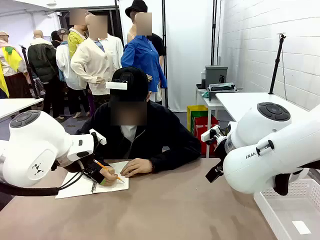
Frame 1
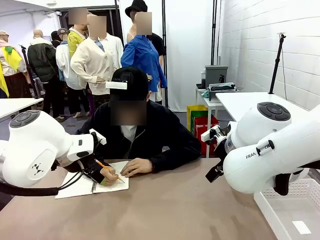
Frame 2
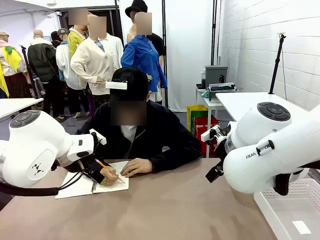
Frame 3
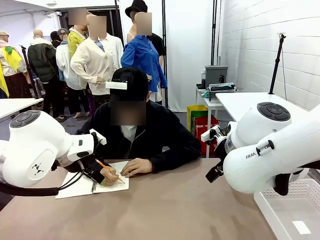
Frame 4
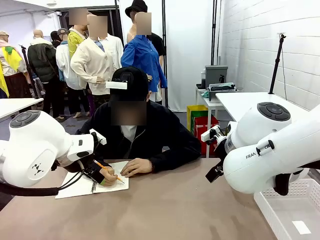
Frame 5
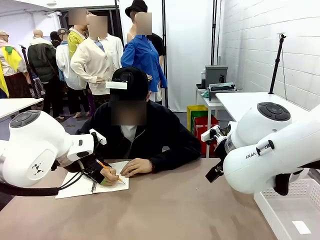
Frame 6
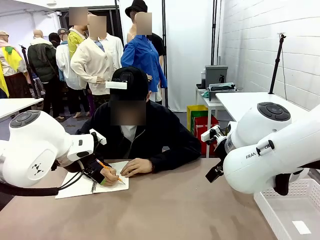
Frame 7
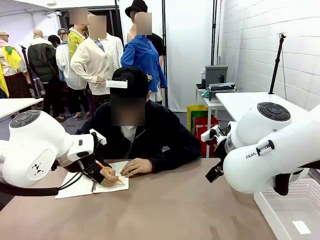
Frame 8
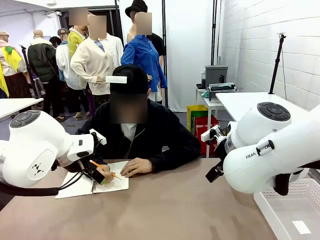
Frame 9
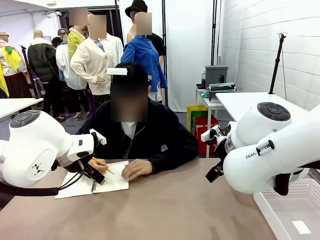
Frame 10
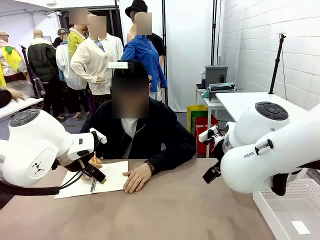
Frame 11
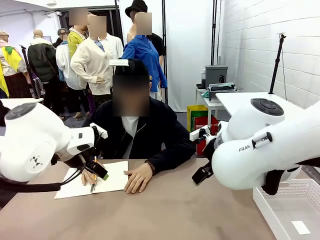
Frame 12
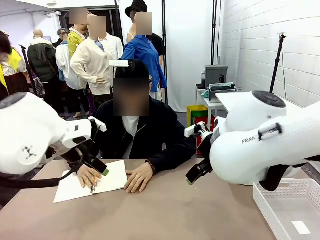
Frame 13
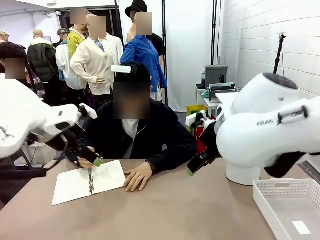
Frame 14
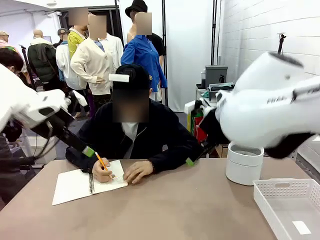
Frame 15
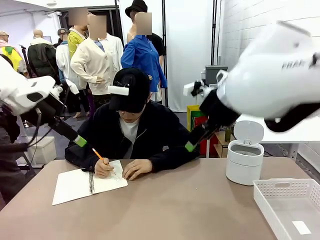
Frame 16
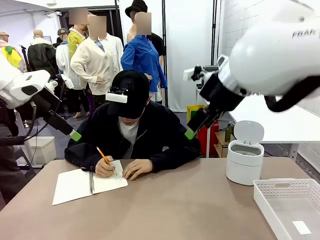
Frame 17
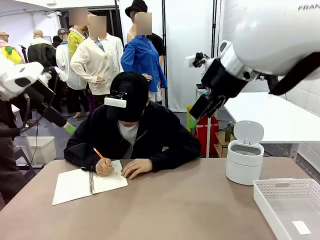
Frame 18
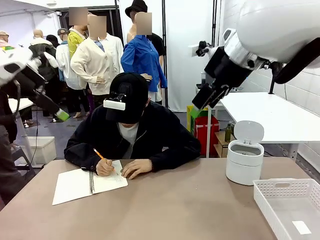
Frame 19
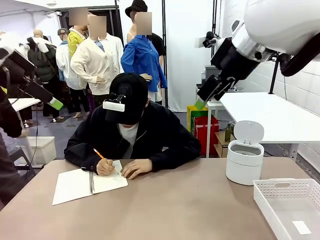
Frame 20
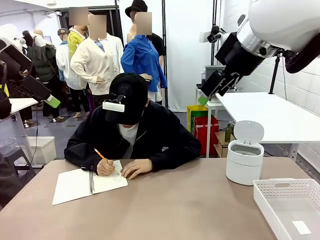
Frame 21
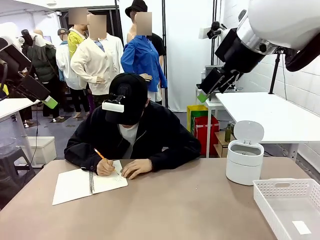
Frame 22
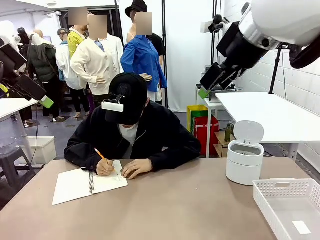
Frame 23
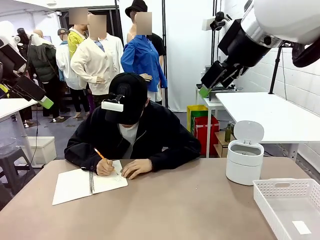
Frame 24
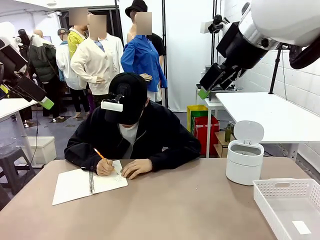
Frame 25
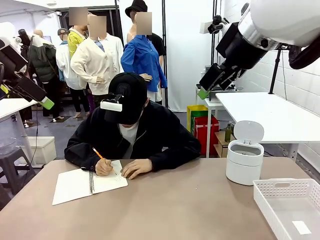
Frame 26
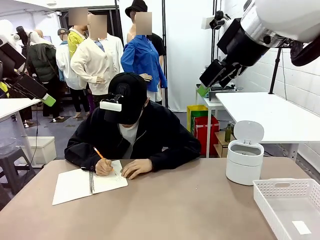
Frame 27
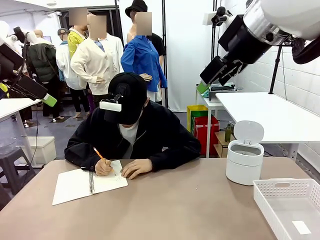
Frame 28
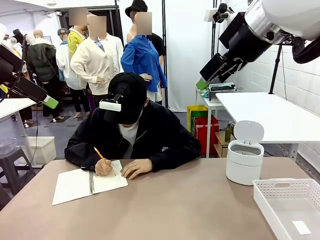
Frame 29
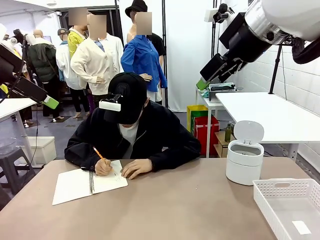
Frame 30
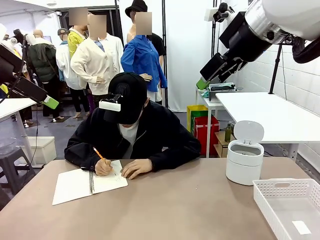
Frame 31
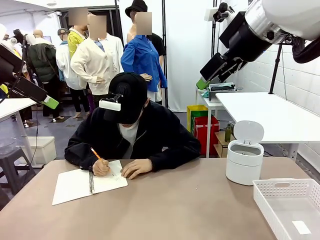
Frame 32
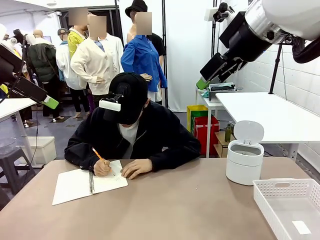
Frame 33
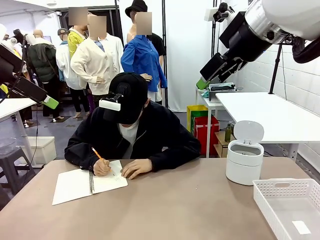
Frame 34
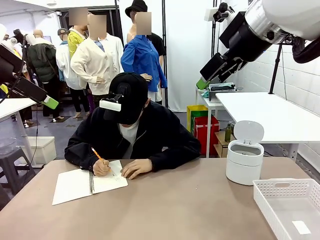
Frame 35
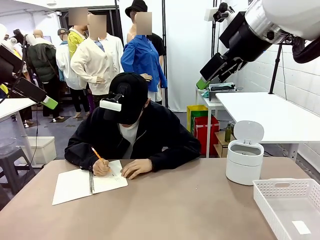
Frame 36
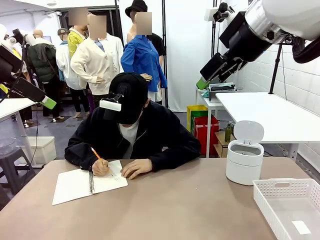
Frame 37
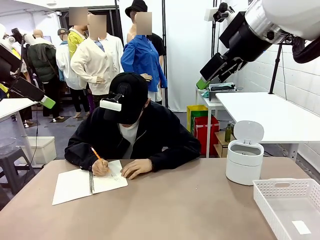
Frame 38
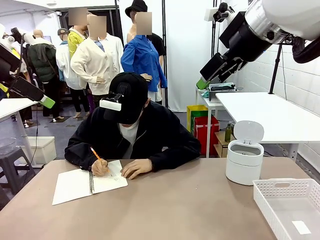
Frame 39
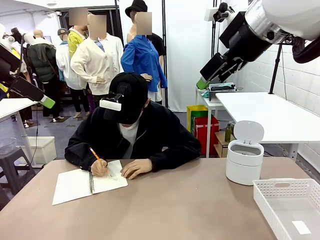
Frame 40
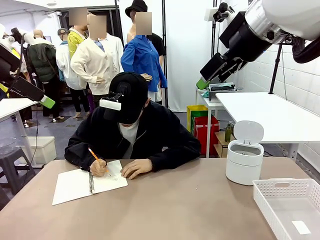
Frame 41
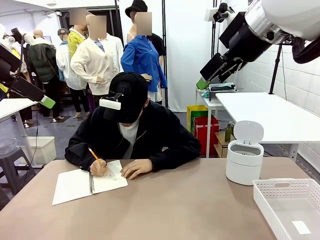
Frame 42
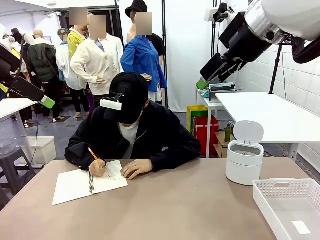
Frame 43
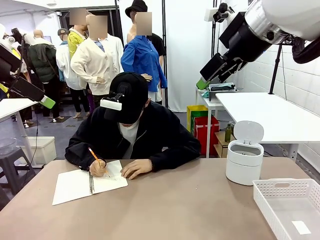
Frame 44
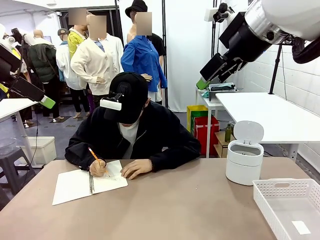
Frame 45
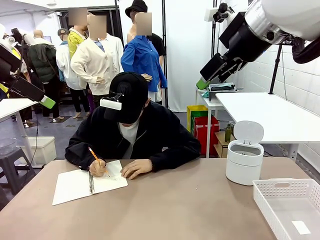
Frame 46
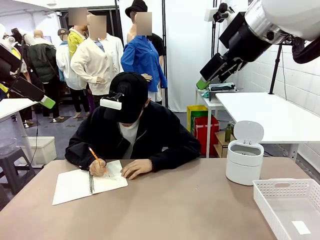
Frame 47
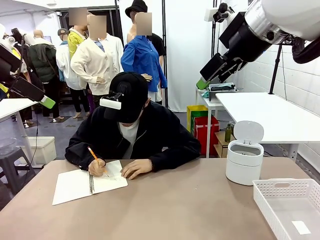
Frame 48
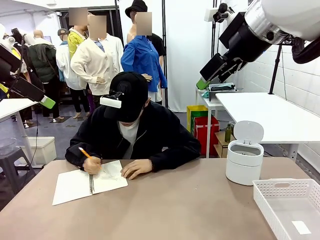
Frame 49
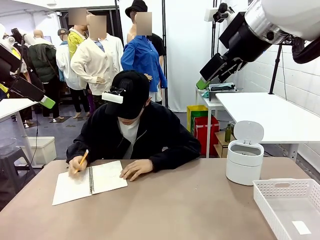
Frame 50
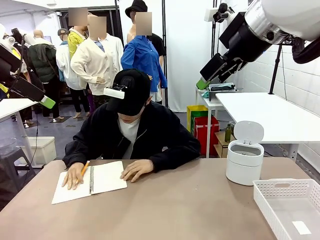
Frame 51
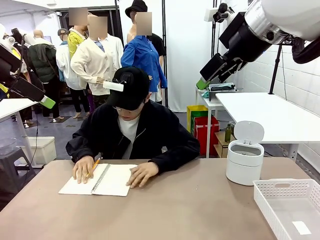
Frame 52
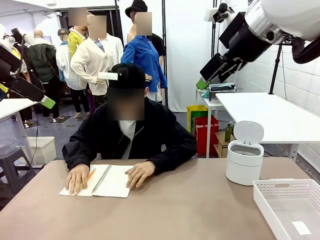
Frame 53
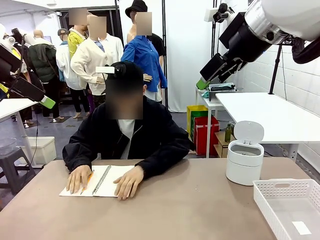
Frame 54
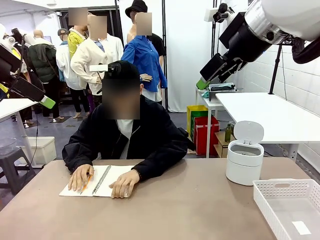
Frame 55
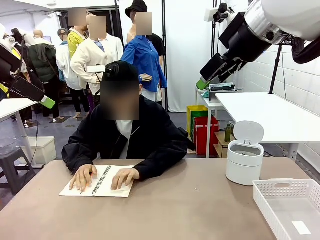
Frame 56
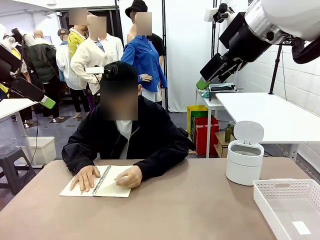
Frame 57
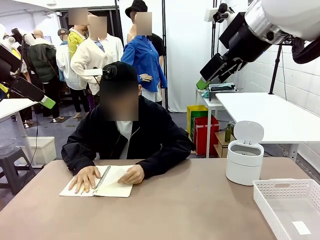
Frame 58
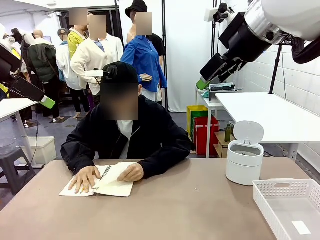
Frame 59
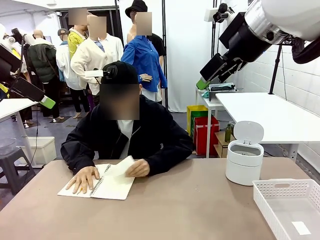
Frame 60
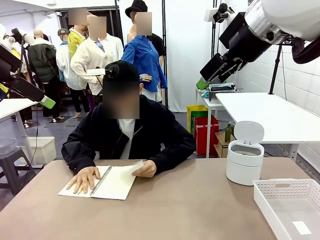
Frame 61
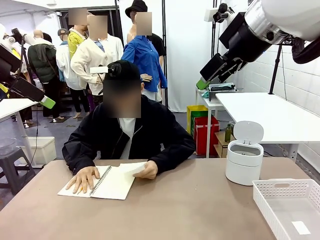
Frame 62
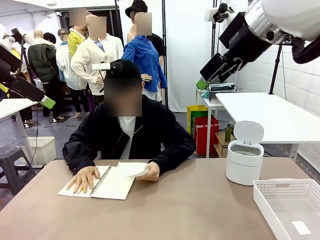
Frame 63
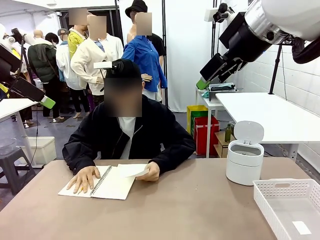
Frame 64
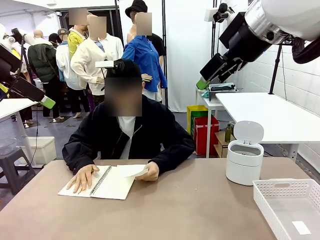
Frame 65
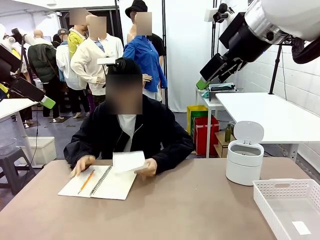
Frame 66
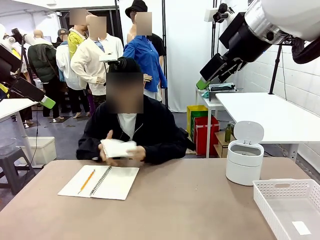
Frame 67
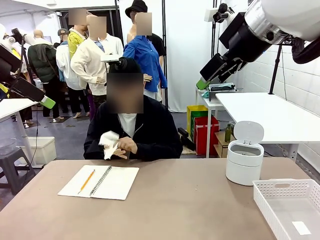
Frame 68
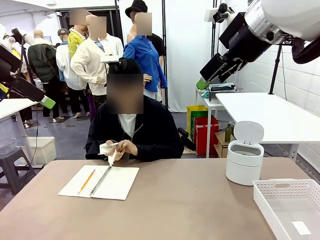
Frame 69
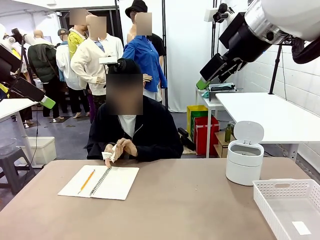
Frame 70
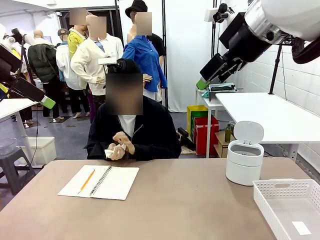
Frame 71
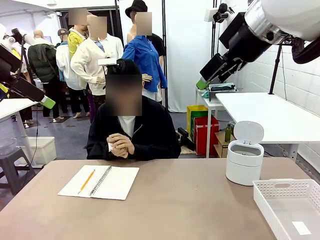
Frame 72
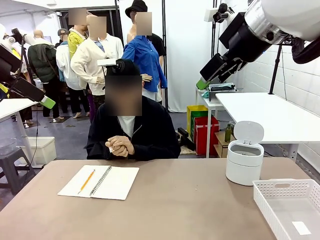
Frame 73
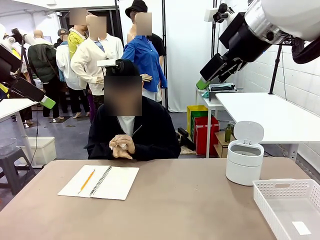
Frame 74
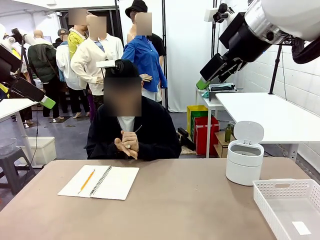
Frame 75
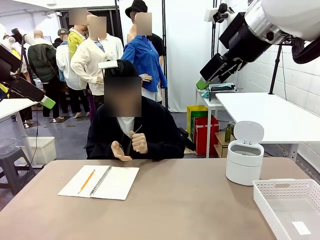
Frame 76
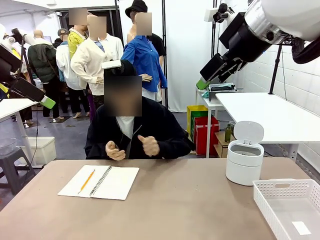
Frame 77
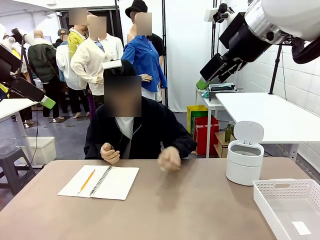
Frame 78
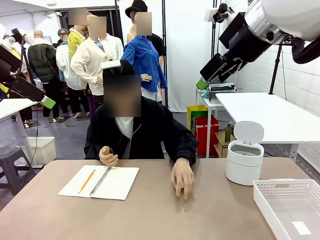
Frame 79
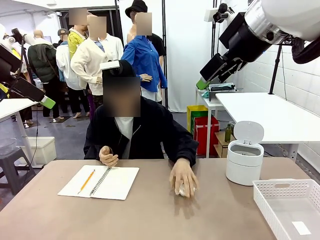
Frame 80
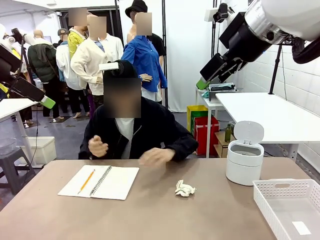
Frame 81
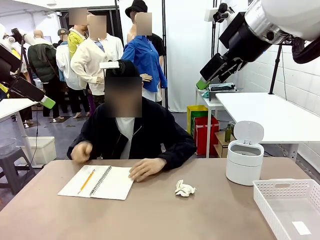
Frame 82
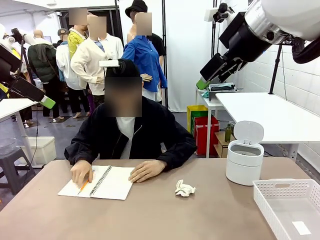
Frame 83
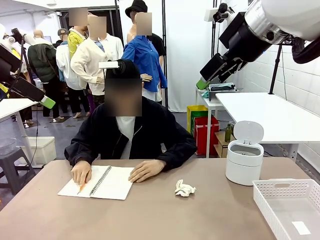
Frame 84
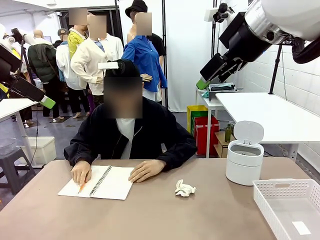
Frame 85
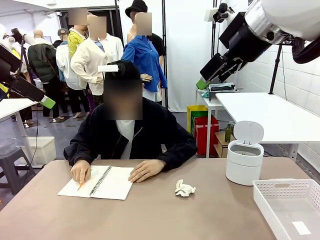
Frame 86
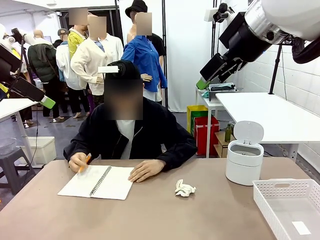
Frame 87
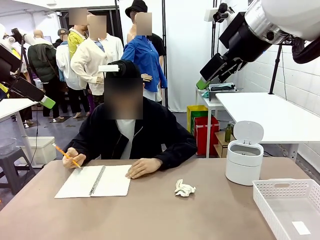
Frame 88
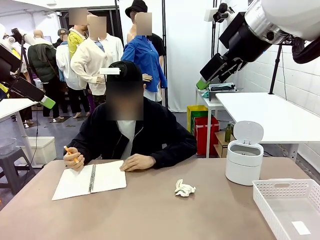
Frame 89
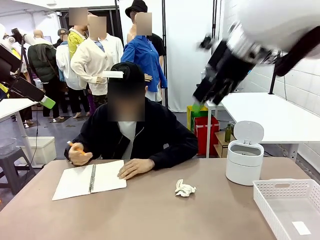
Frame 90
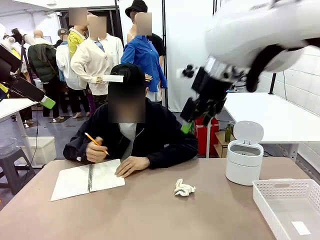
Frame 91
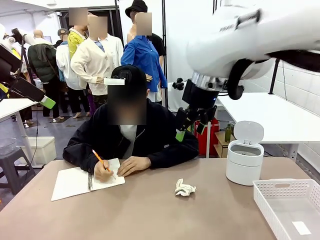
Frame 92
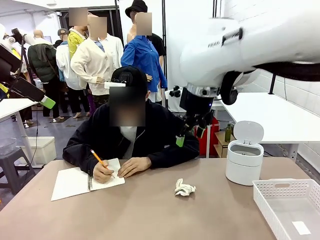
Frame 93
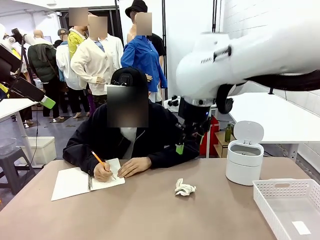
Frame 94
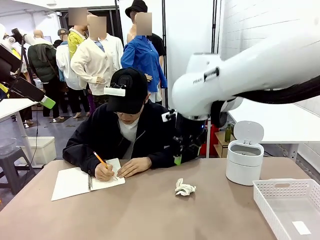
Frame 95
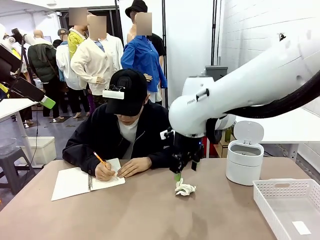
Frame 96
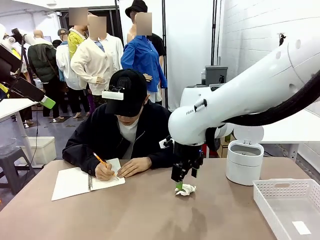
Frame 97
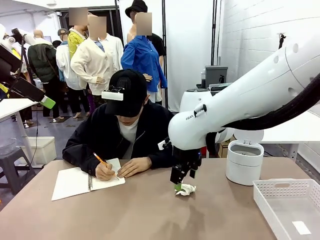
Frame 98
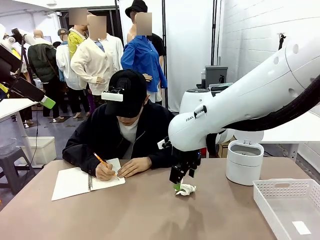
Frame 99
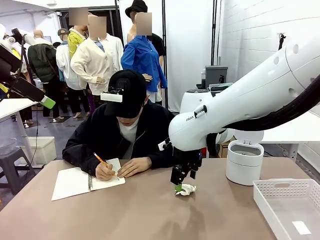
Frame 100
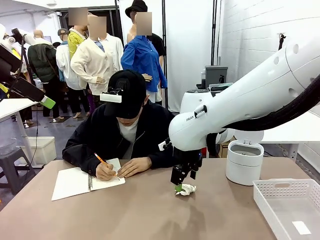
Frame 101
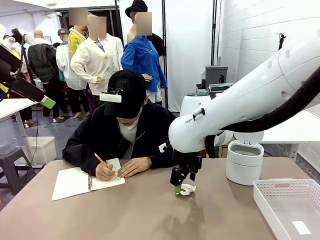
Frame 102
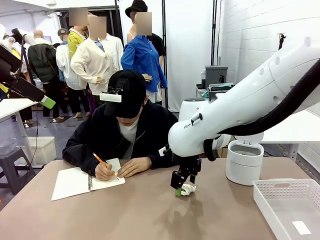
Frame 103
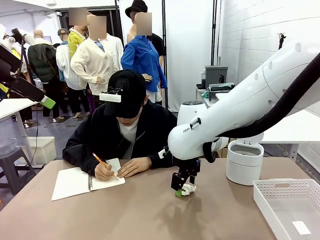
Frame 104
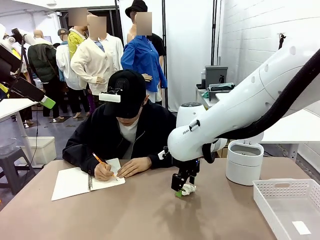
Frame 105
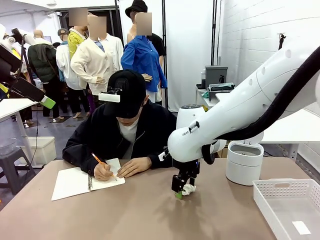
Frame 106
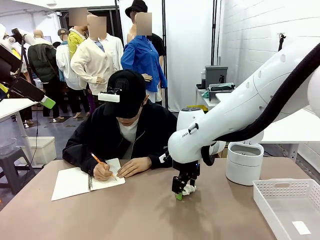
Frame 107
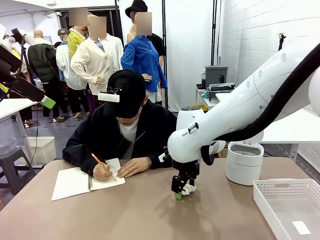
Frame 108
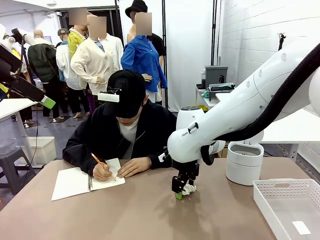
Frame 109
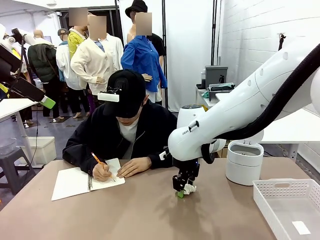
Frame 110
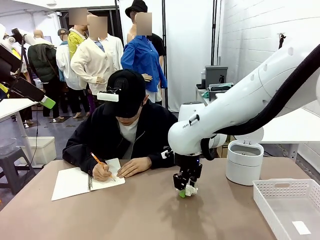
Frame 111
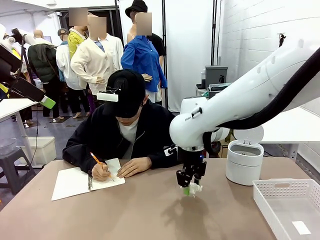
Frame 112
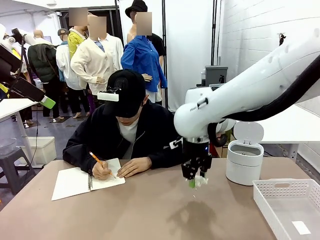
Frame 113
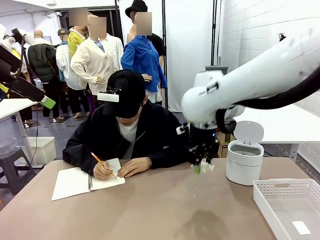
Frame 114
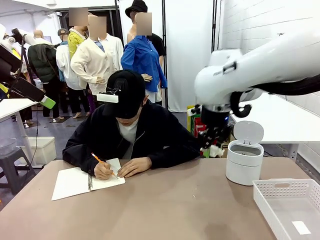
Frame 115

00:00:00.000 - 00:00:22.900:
Task: Sort the paper based on its condition.
Robot: If a person hands you a paper, place it in the Organizing basket , and if it's crumpled, put it in the Trash can.
Person: Tear out a page from the spiral notebook. Hand the torn page to the robot or crumple it and throw it to the center of the table.
